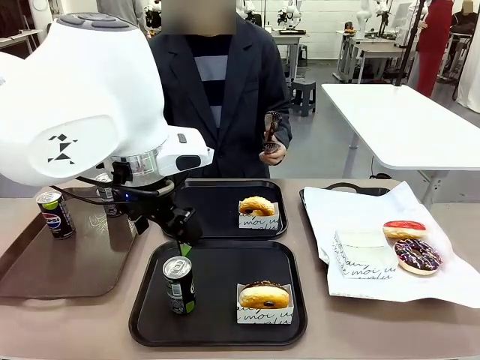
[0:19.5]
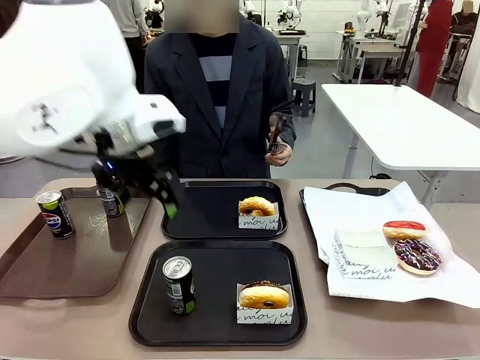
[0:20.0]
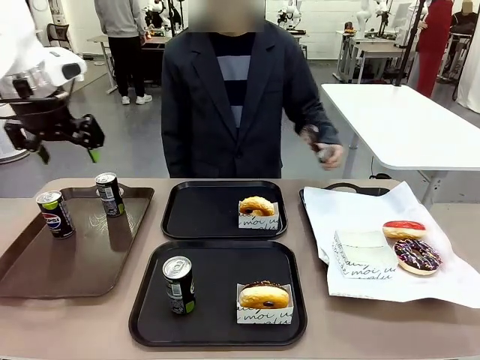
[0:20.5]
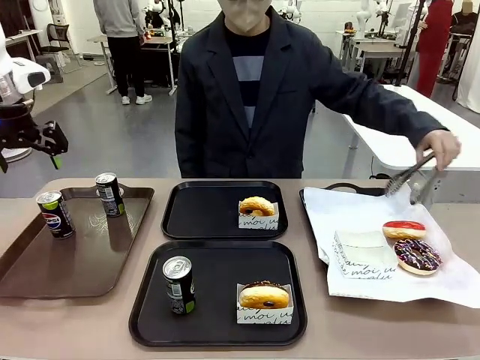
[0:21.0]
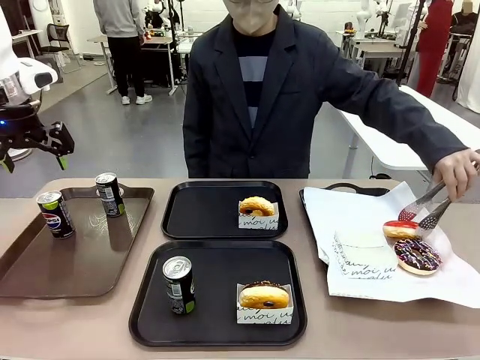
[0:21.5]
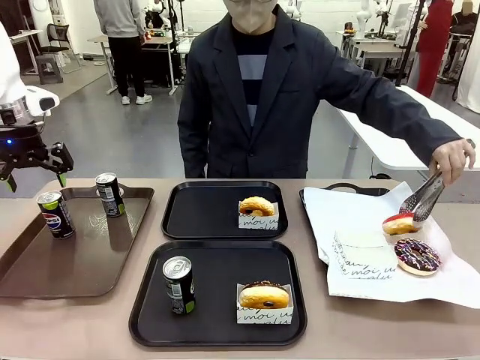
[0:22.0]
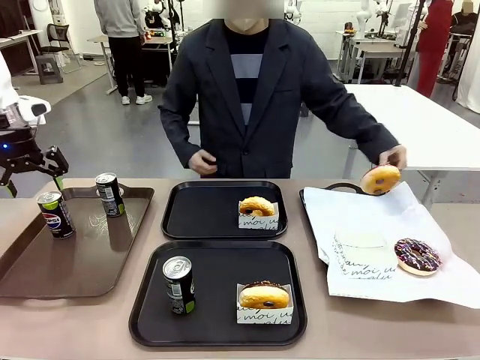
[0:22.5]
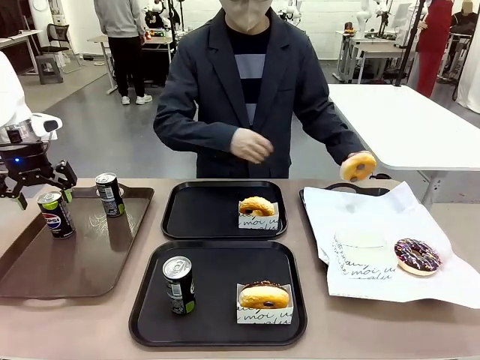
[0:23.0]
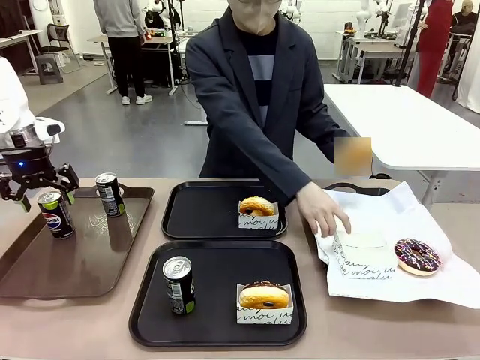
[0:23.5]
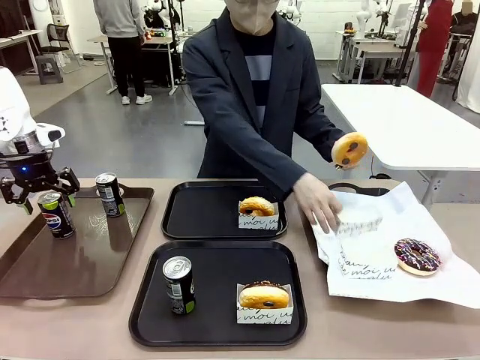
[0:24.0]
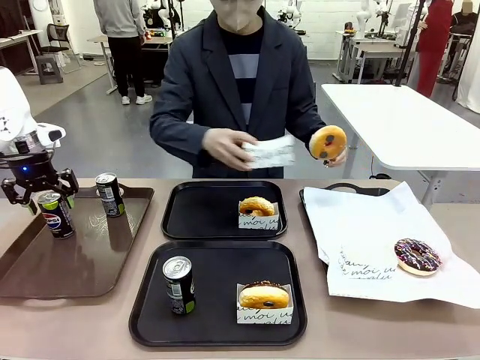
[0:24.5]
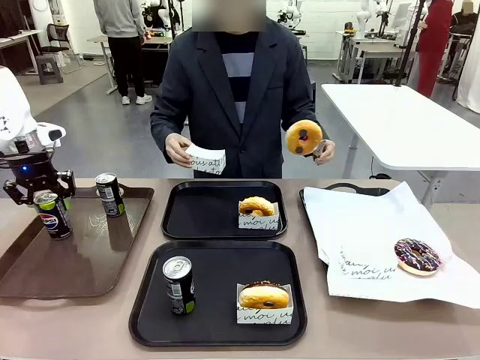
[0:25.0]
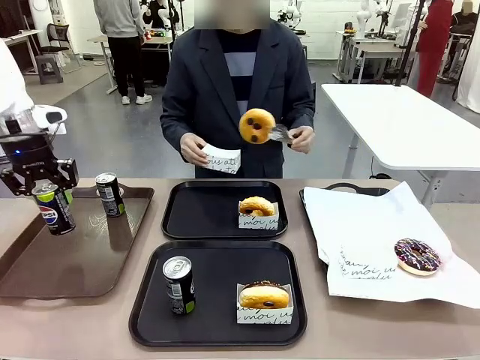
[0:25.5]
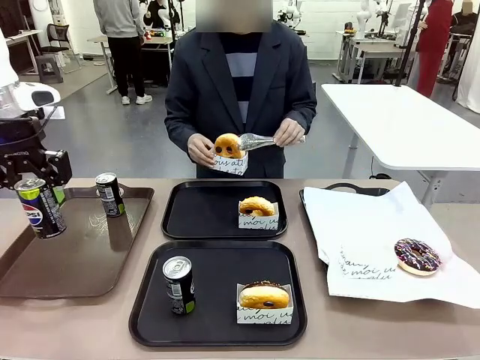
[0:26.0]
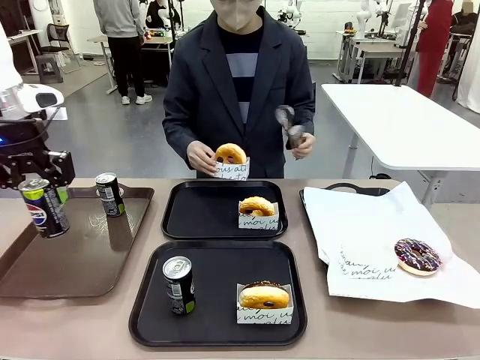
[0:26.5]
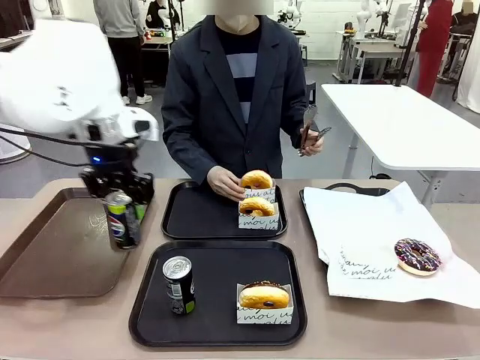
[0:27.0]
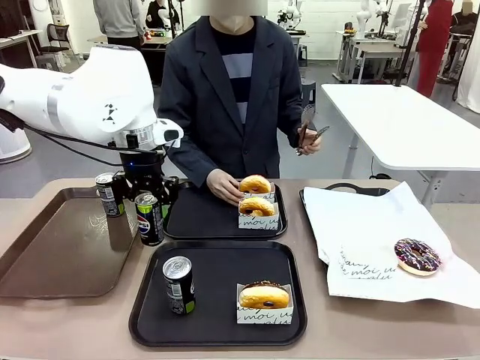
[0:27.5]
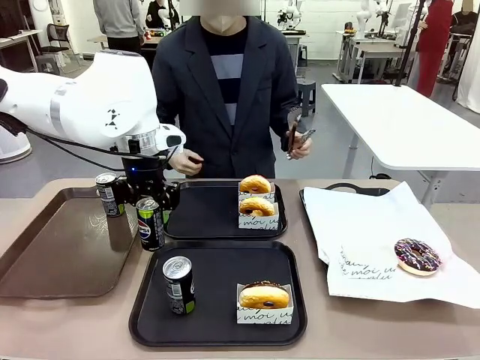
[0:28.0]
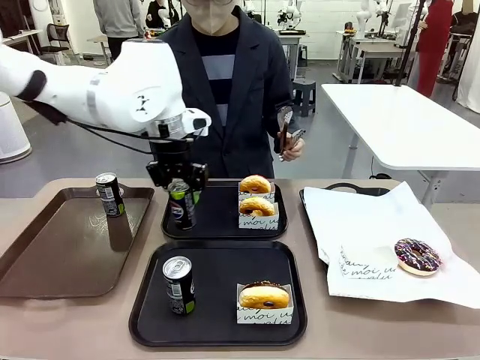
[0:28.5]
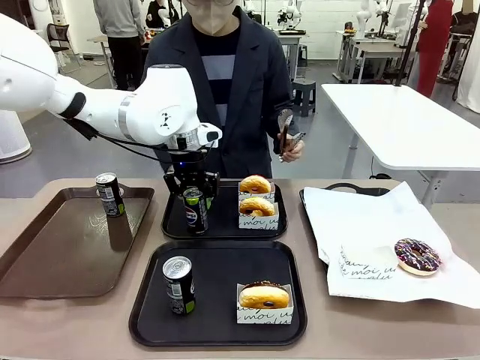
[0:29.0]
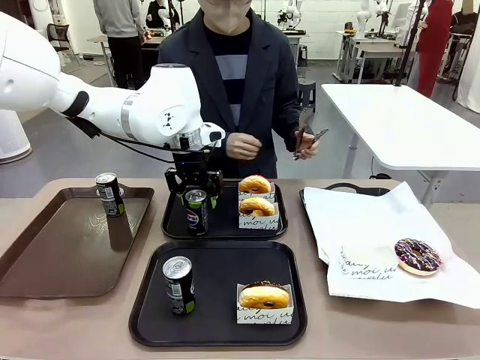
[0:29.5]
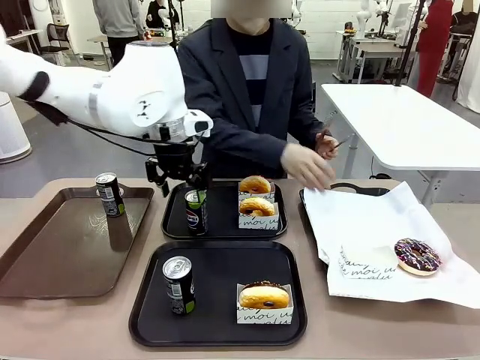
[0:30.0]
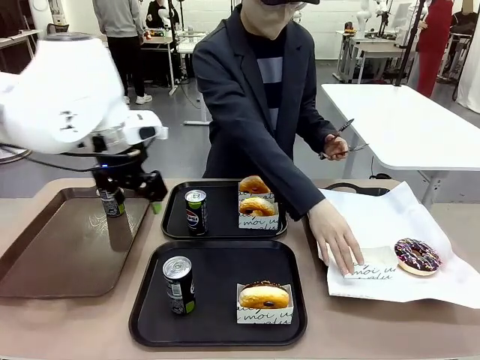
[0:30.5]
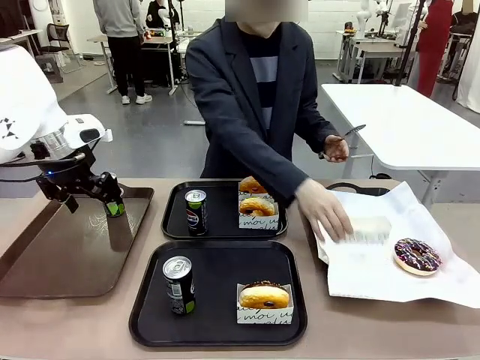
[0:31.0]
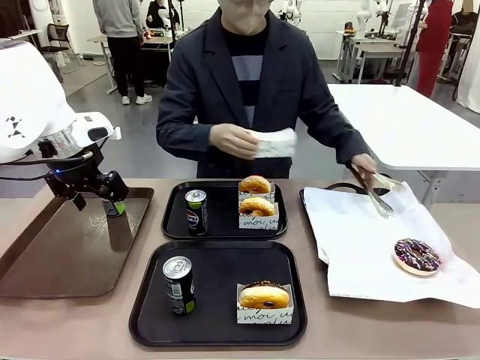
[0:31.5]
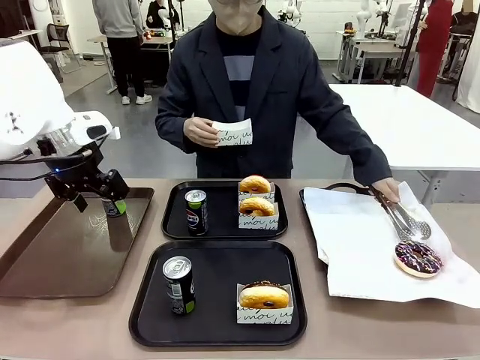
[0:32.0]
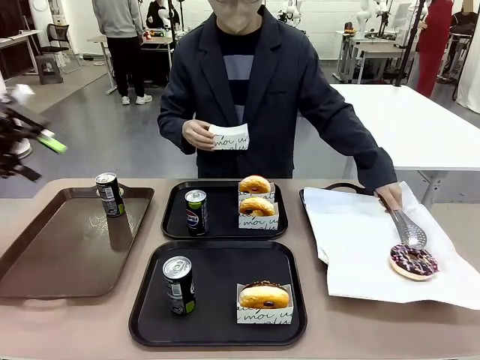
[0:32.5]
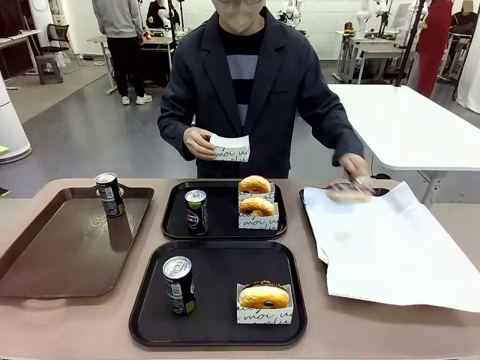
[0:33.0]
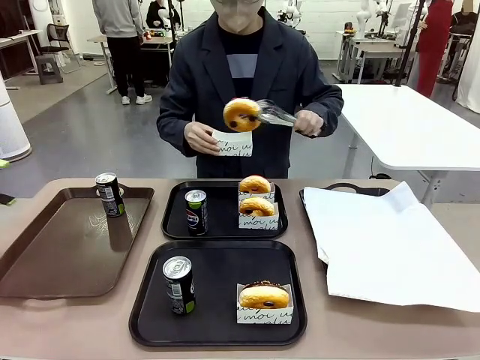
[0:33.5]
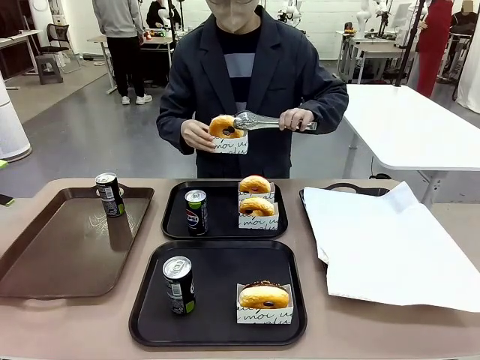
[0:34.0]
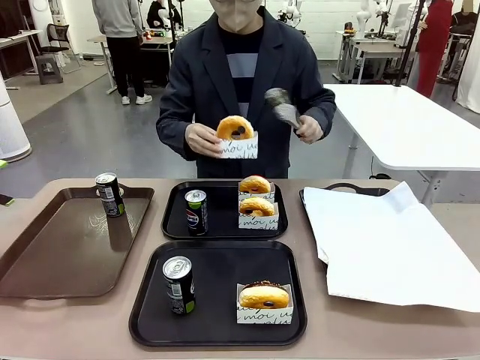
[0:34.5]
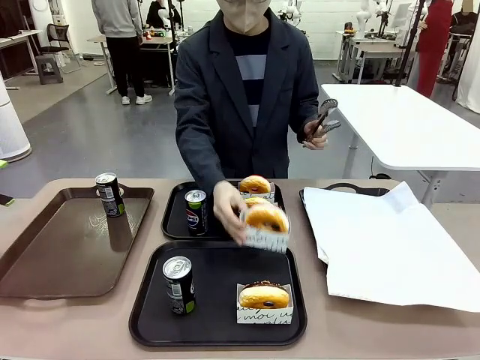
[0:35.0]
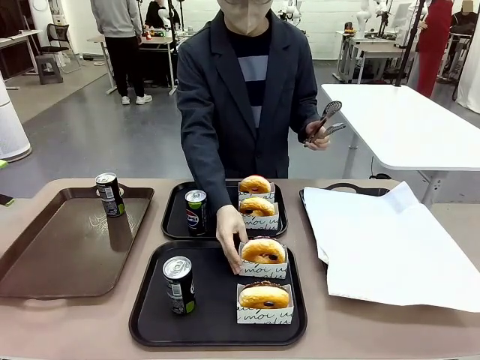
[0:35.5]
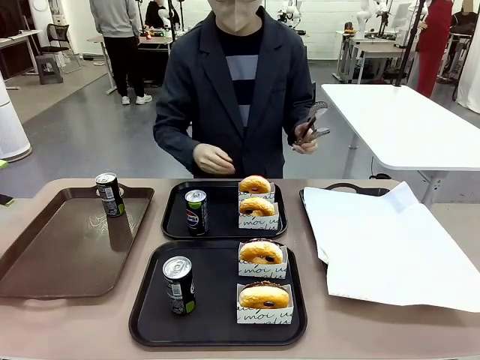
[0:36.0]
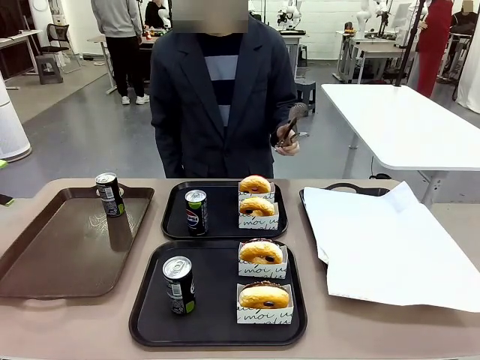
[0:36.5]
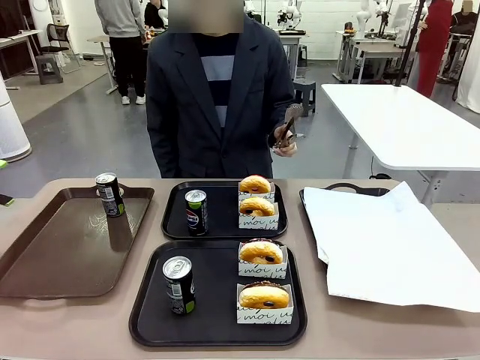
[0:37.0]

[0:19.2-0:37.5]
Task: Set up donuts and drinks on trays.
Robot: Pick up one Pepsi coke from the Handle tray and place it on the Flat Tray without a Pepsi coke.

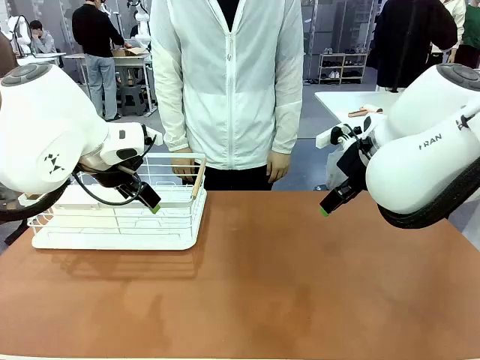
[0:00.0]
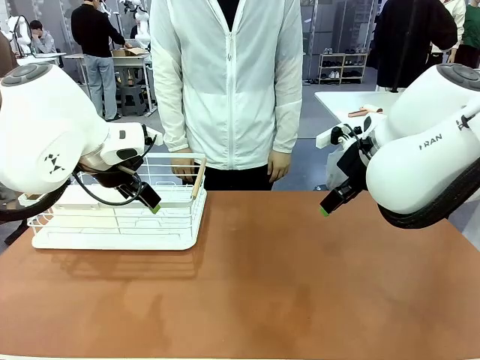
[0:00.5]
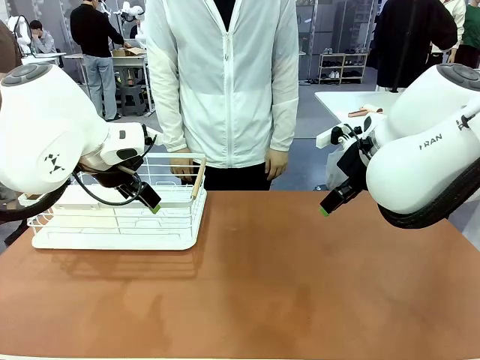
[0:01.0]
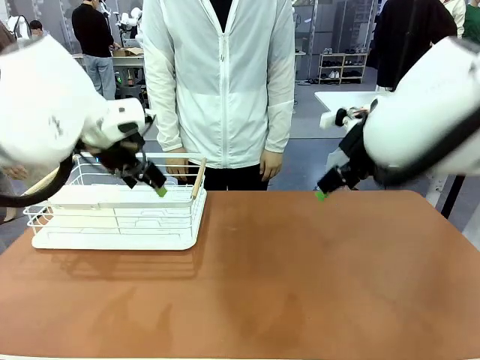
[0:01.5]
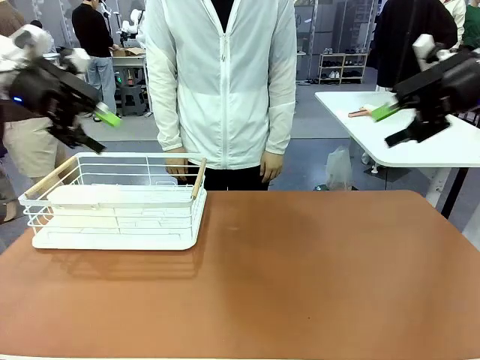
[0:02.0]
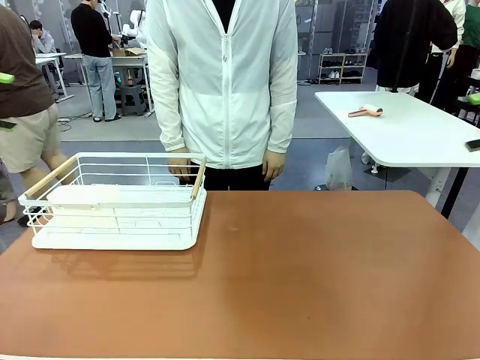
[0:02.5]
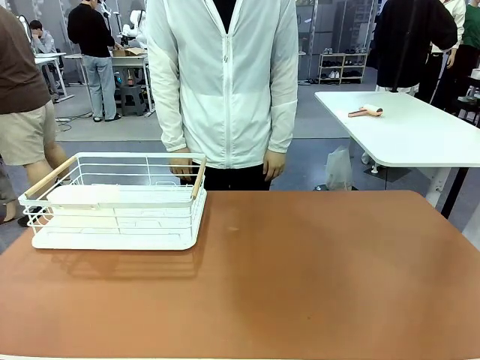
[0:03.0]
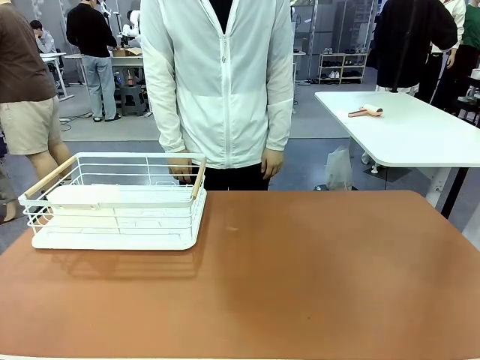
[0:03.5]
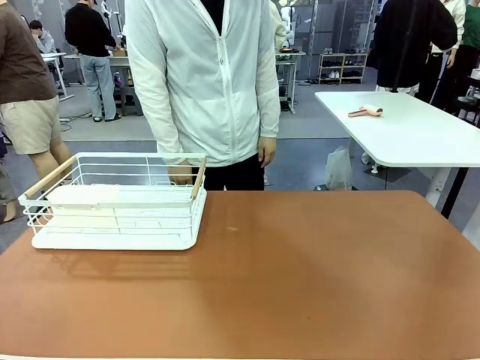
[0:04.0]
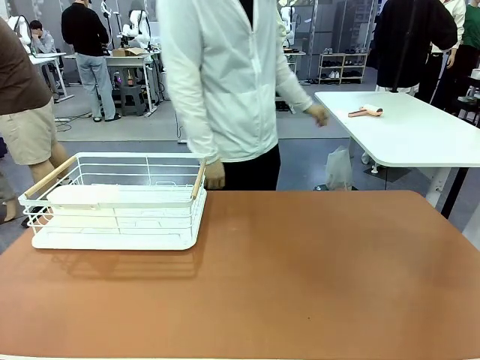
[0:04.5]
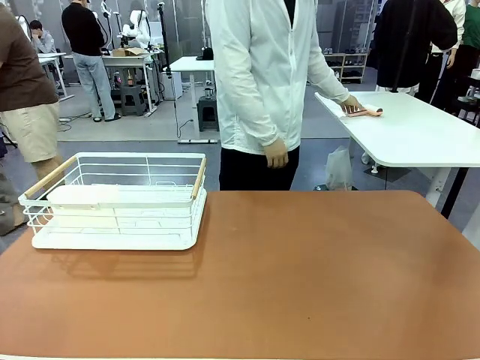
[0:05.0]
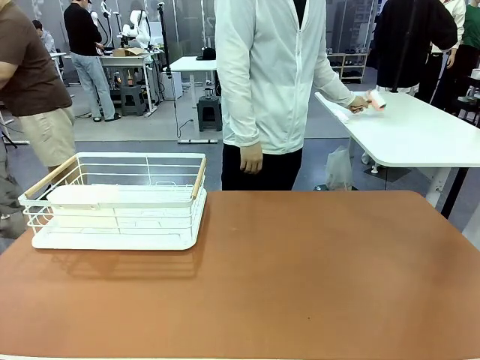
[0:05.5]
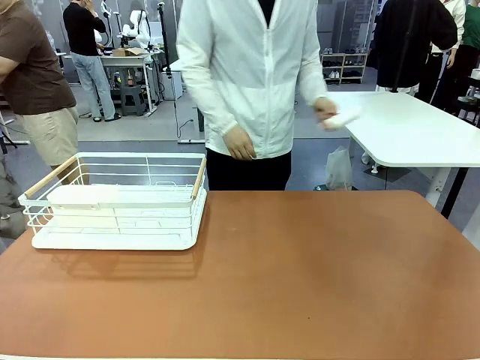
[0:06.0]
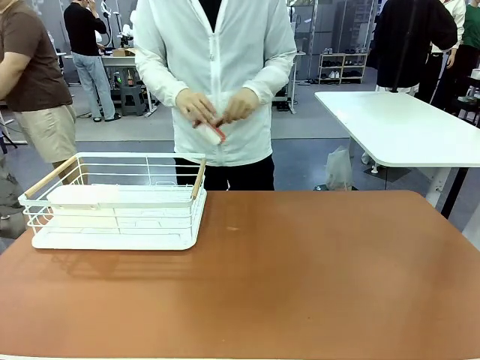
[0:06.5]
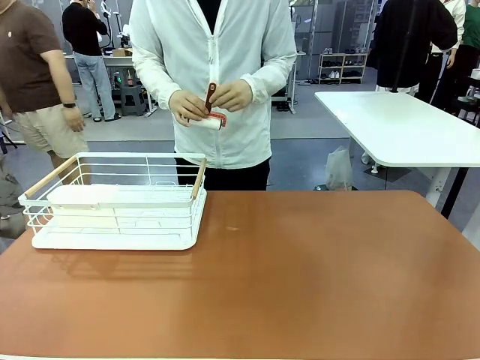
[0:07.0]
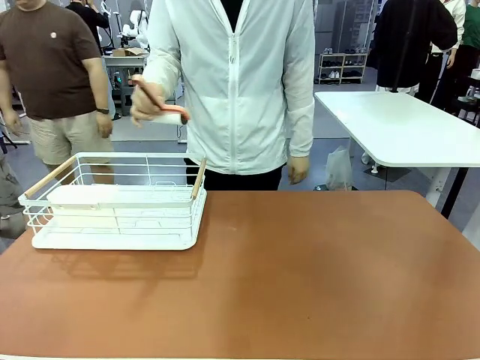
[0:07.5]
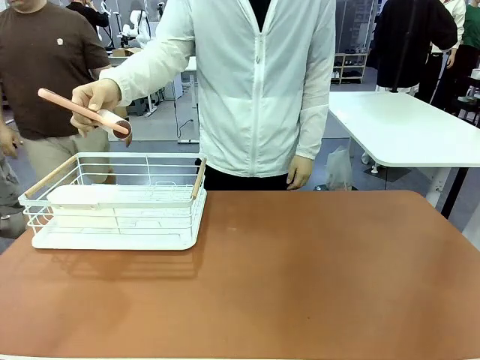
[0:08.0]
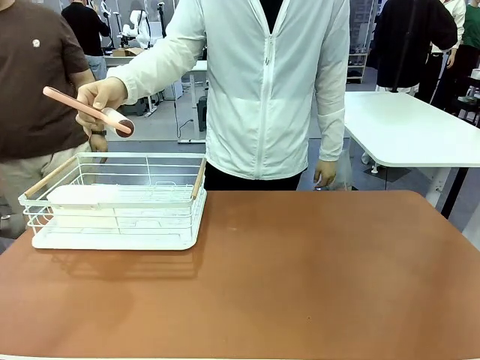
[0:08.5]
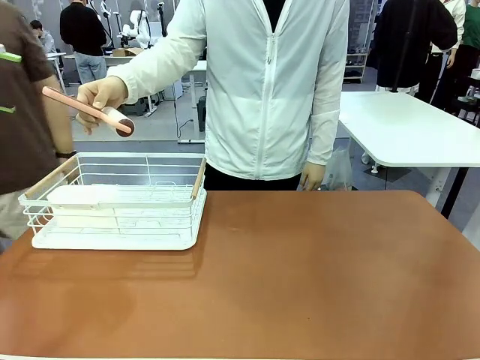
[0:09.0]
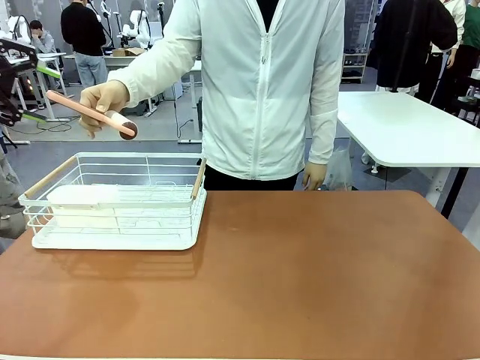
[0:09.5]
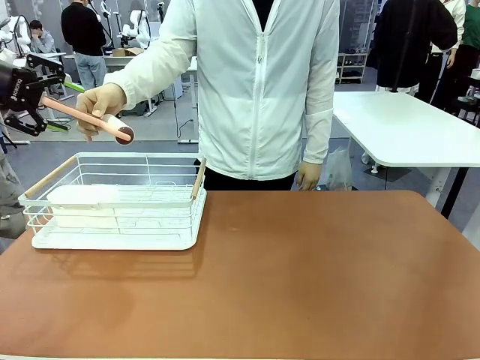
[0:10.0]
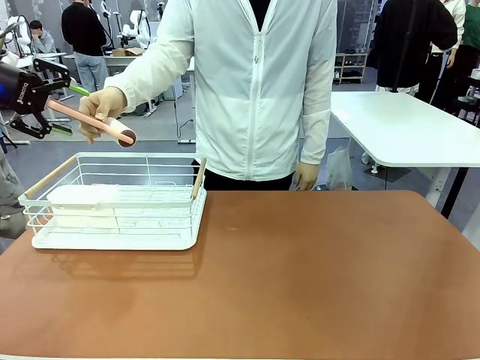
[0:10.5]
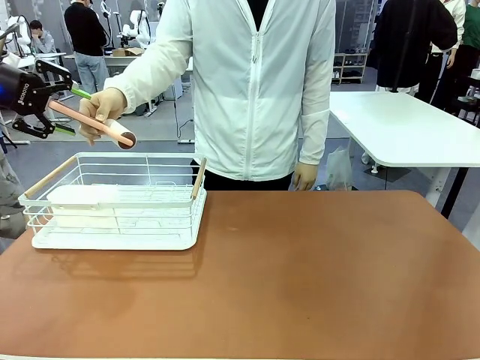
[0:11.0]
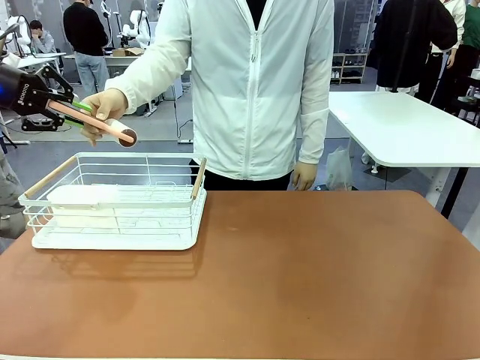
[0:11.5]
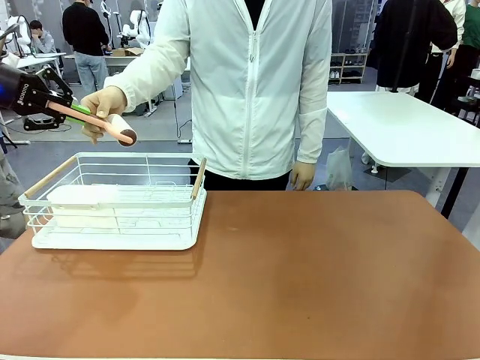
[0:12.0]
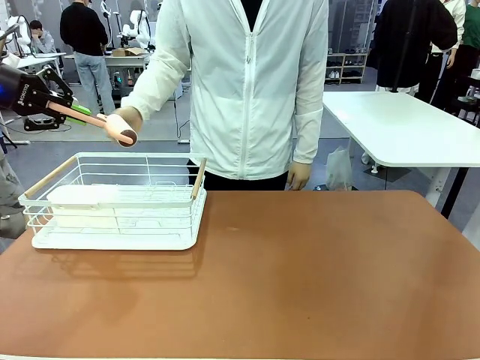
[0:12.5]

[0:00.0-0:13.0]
Task: Clean the table.
Robot: Pick up the Lint Roller when the human hands it over.
Person: Hand the Lint Roller to the robot so it can easily pick it up. Lift the Dish drying rack.
